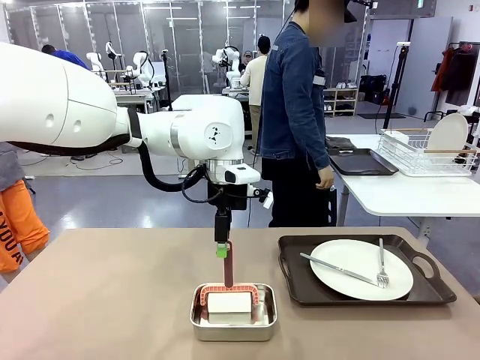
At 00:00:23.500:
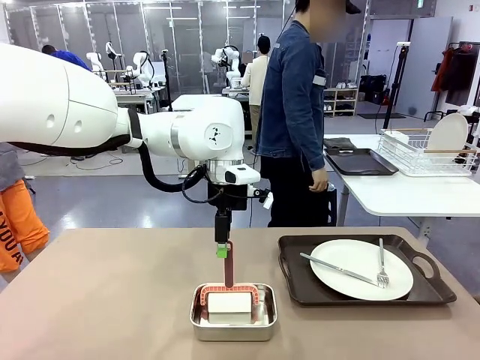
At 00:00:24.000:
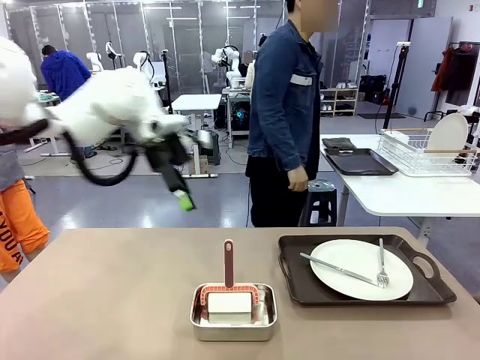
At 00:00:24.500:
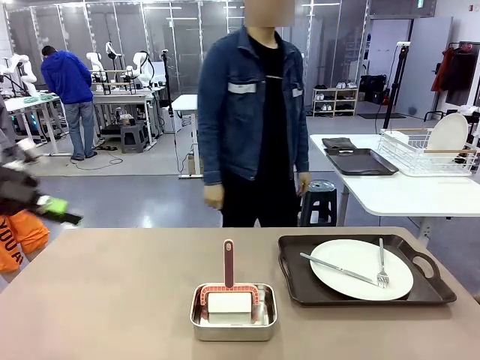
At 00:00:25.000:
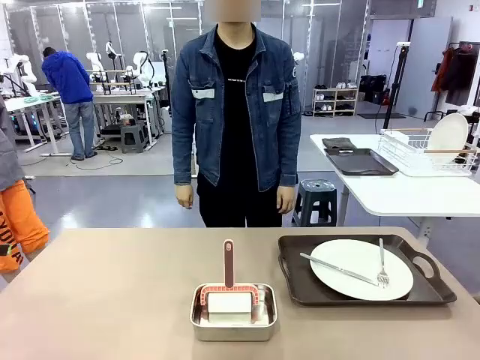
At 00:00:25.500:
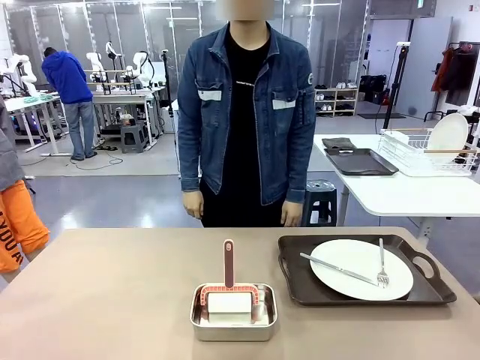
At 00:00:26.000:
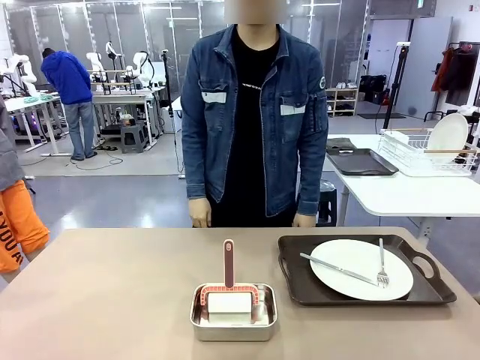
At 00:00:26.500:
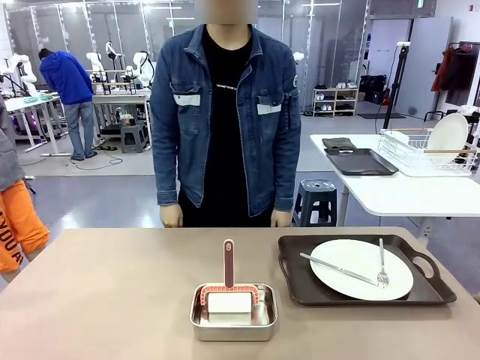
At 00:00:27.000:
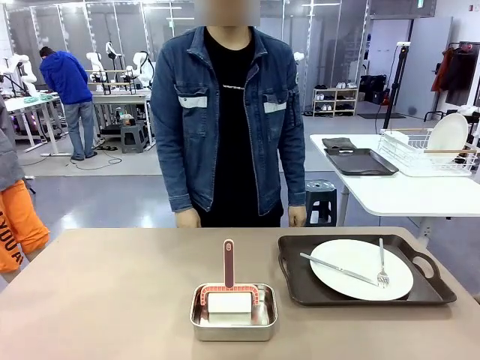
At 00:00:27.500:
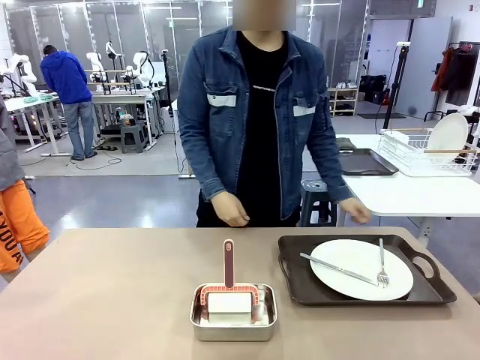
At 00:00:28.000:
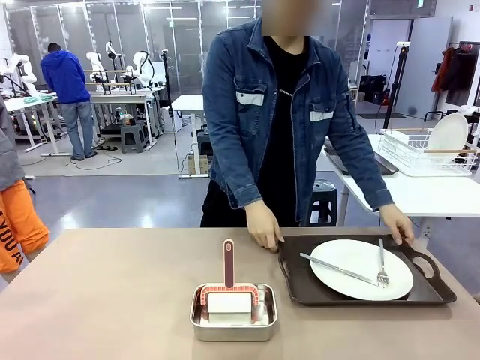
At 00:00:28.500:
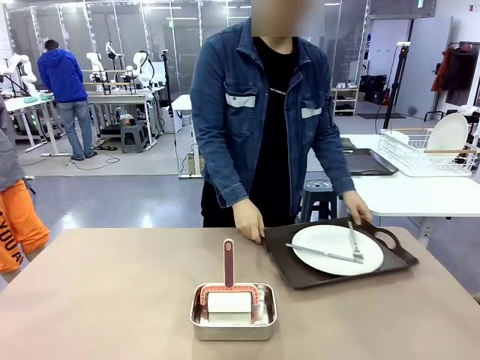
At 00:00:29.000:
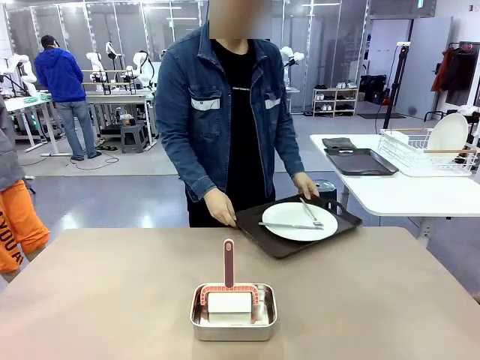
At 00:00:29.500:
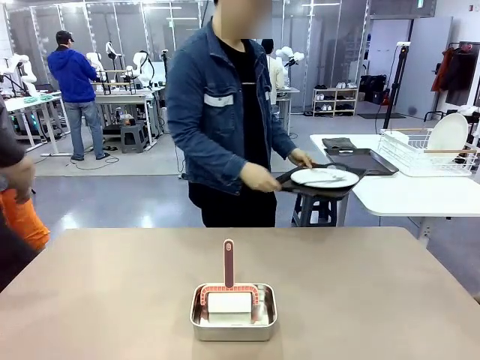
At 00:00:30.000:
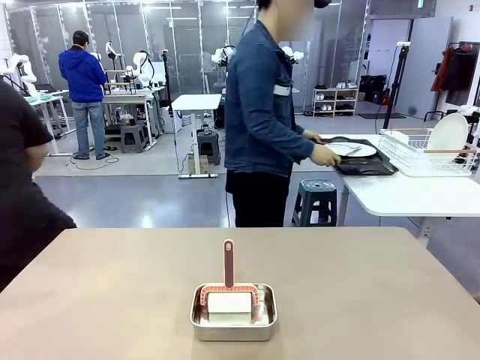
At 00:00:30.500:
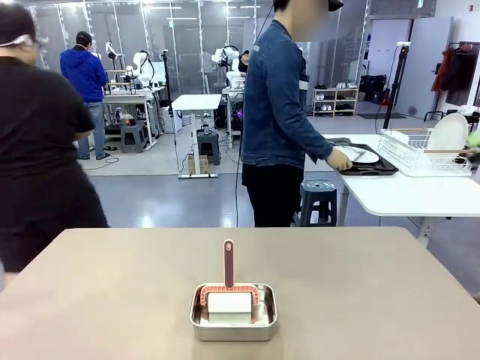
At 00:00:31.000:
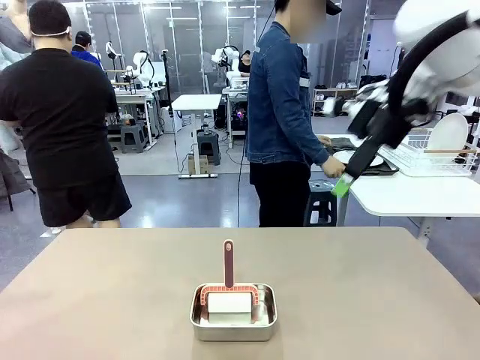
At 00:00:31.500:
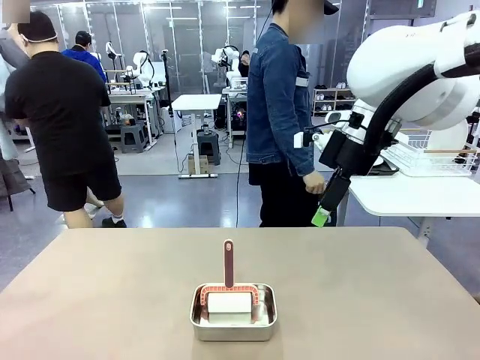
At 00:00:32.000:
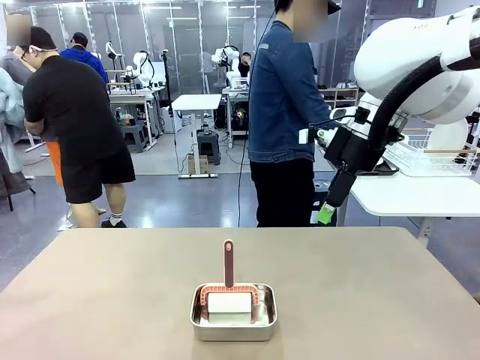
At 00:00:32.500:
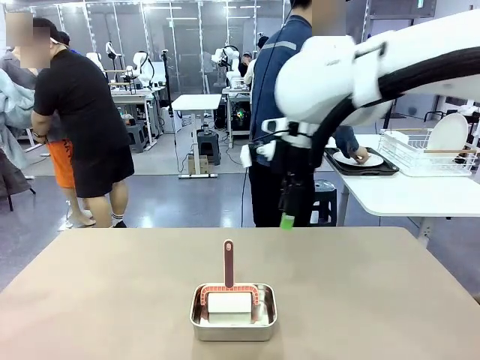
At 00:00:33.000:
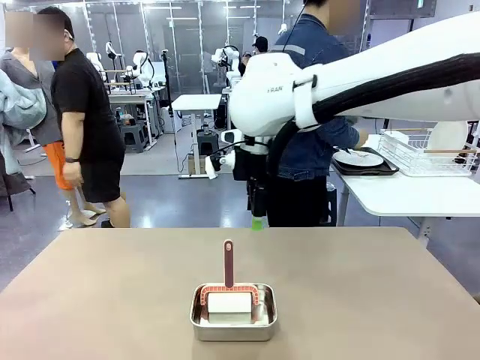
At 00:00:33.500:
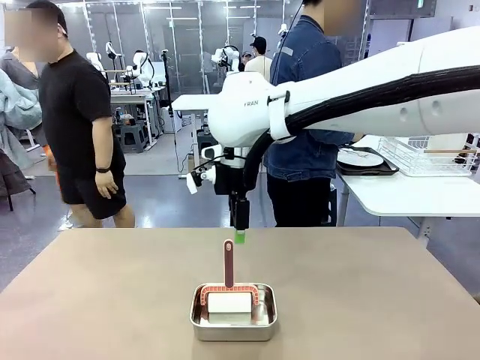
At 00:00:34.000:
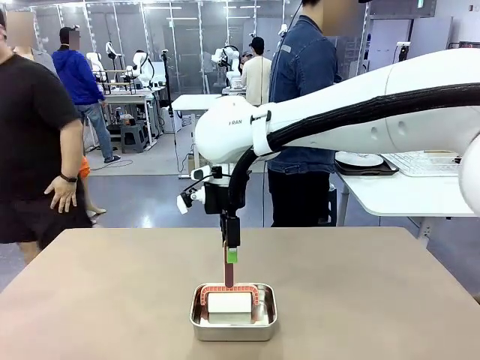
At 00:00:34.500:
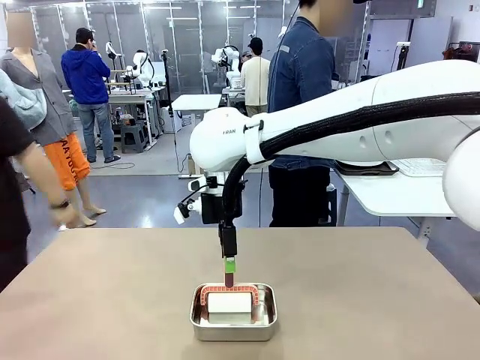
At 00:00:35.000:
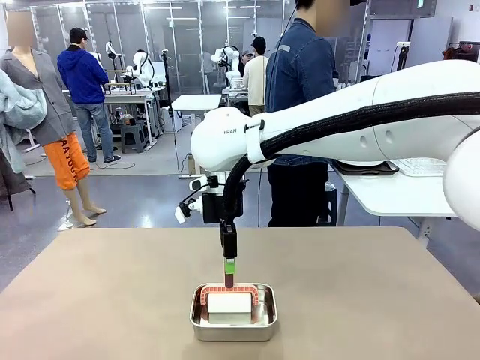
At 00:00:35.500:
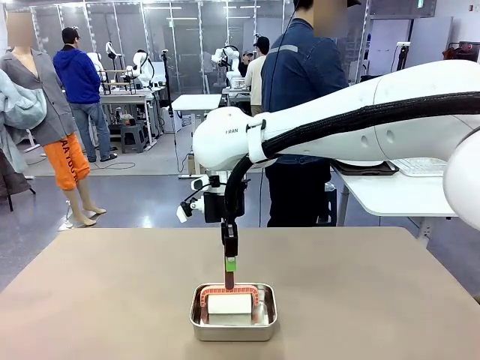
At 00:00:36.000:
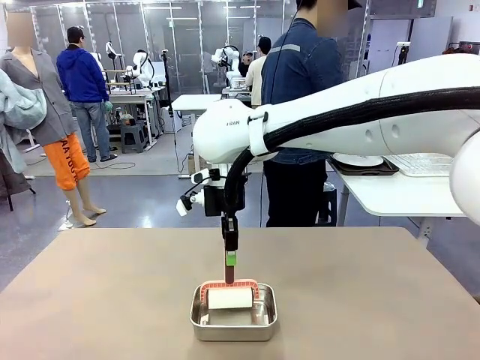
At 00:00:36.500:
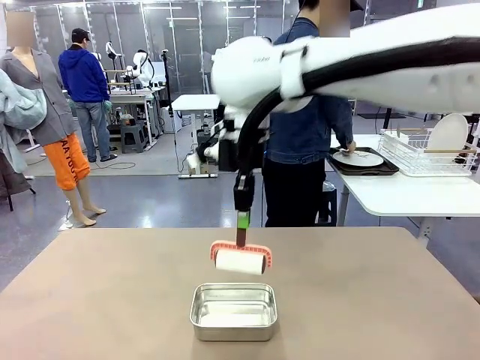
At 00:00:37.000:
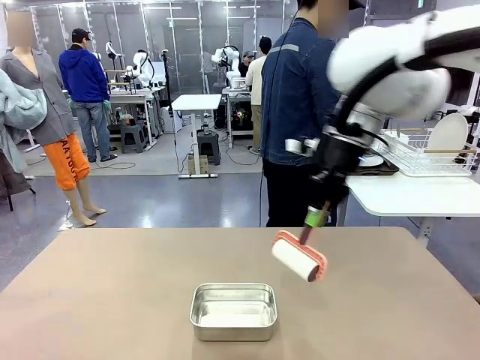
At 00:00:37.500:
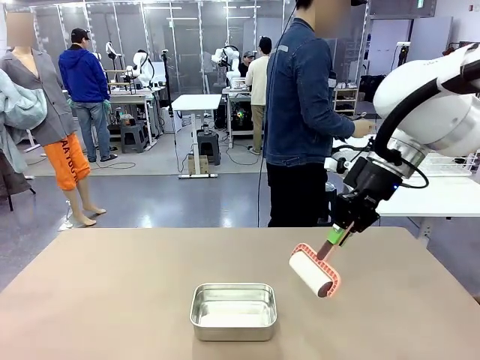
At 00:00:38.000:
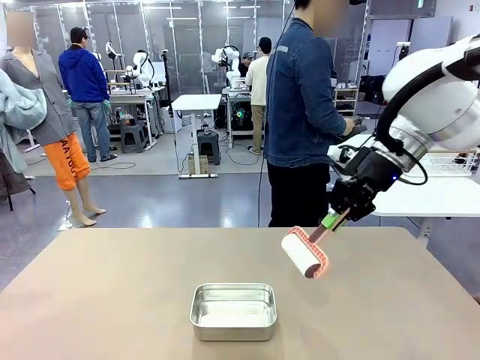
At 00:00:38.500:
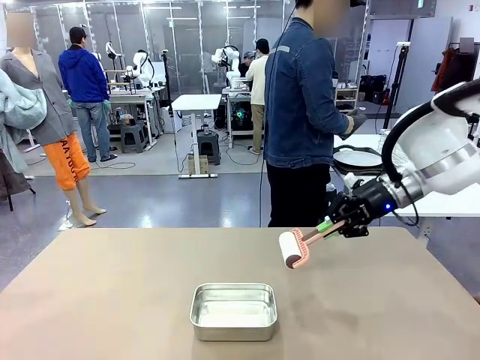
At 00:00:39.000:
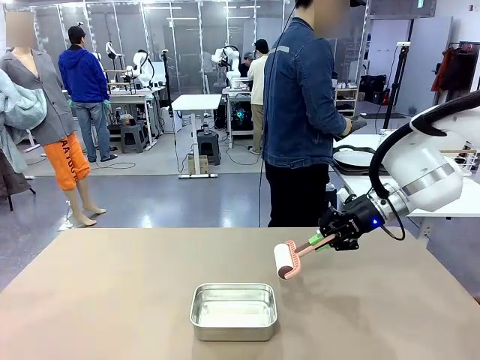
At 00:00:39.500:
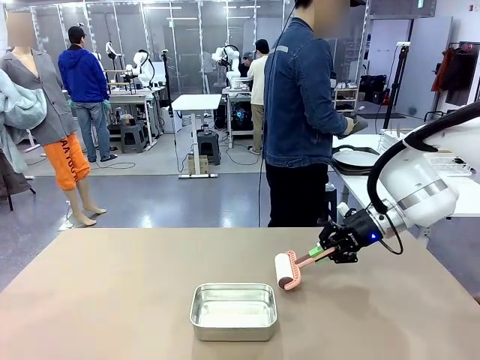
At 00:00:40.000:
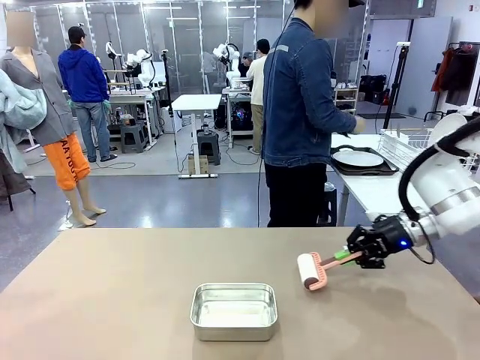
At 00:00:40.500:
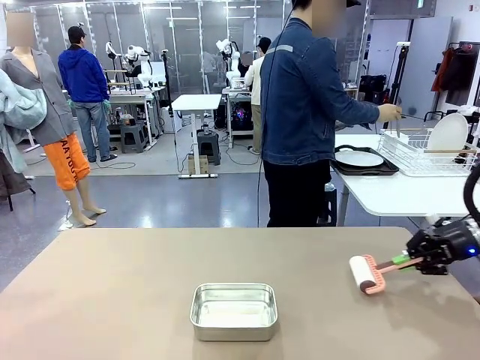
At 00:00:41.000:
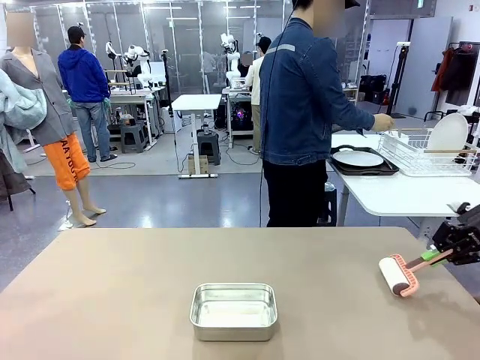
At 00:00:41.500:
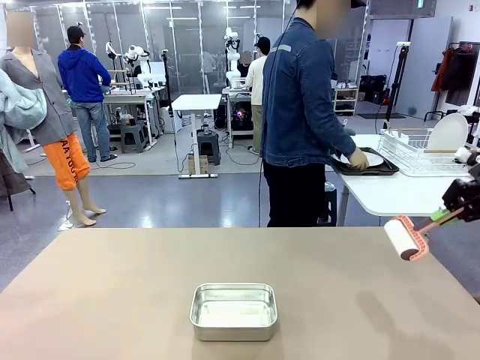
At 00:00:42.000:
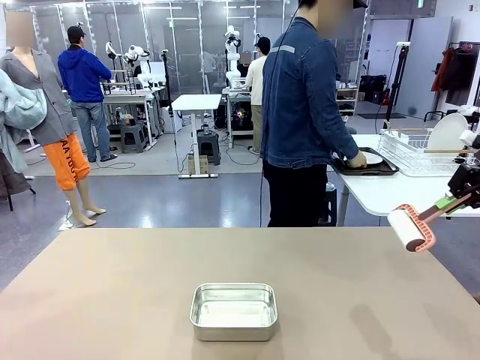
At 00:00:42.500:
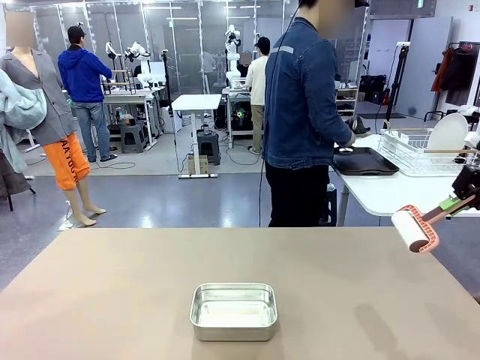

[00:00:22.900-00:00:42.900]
Robot: When the right (or left) Handle tray is removed, use the right hand (or left hand) to clean the right (or left) side of the table with the Lint Roller.
Person: Pick up the left (or right) Handle tray and place it on the Handle tray. Use the Towel with hook to wipe the Plastic Matte Plate , Fork , and Knife and place into the Dish drying rack.

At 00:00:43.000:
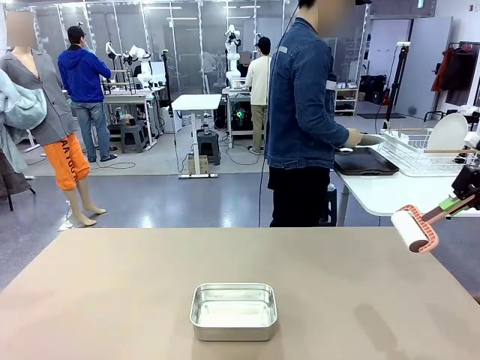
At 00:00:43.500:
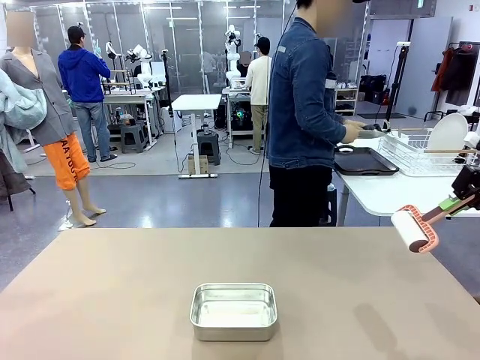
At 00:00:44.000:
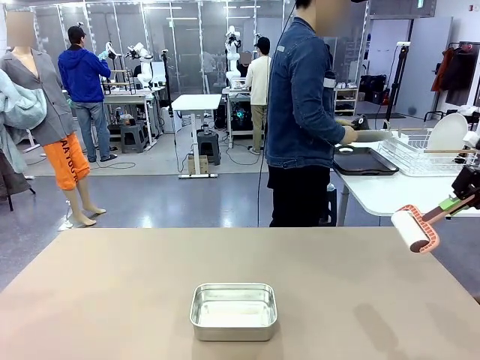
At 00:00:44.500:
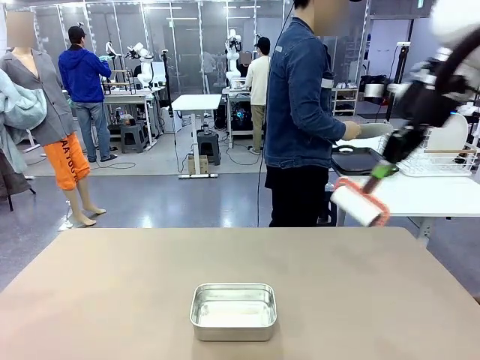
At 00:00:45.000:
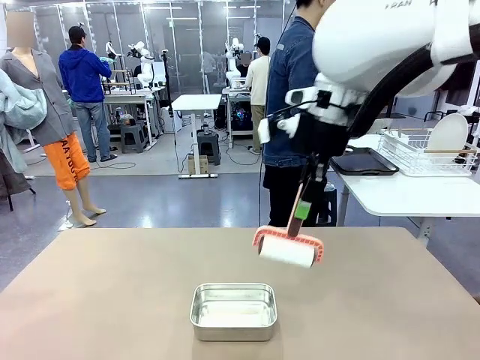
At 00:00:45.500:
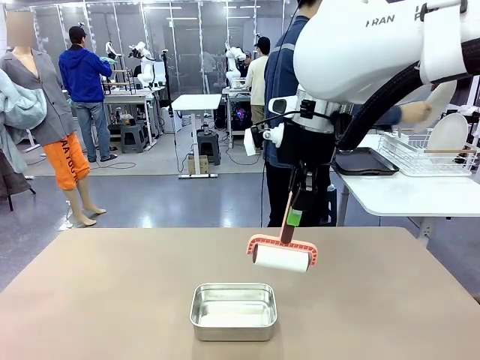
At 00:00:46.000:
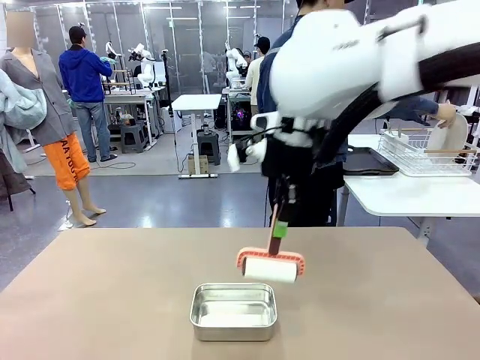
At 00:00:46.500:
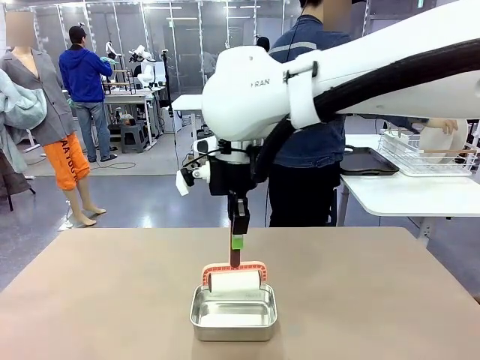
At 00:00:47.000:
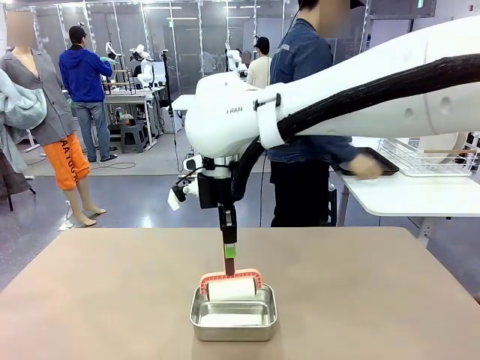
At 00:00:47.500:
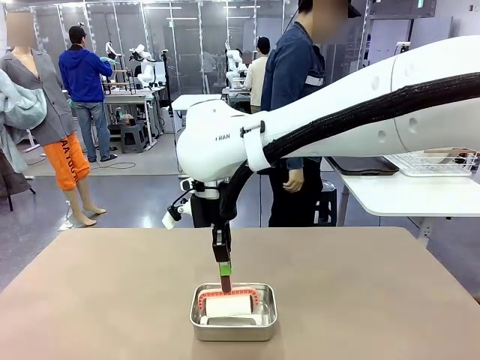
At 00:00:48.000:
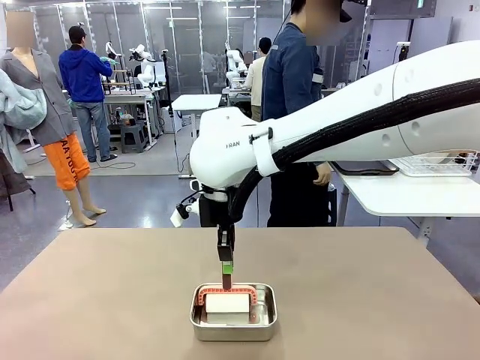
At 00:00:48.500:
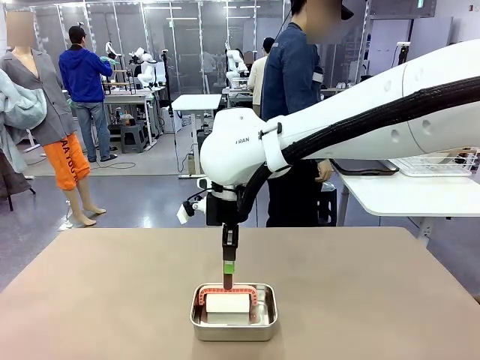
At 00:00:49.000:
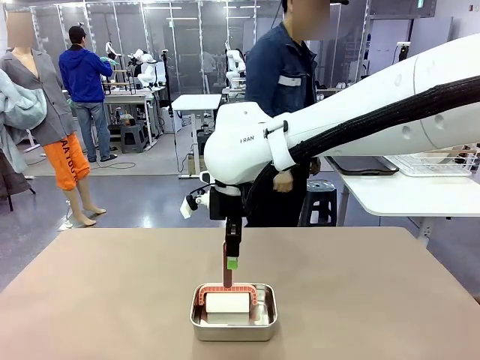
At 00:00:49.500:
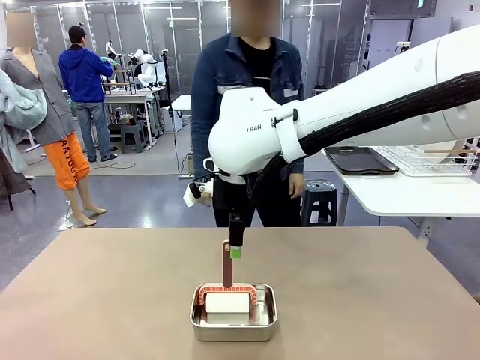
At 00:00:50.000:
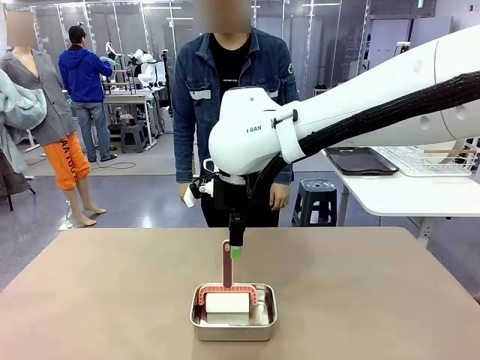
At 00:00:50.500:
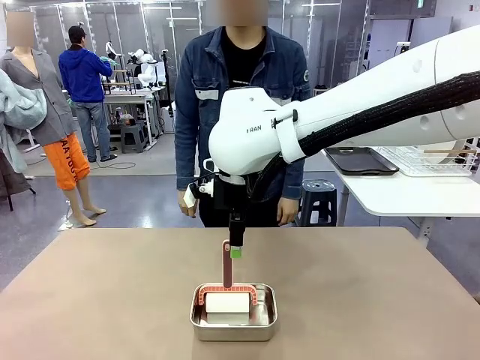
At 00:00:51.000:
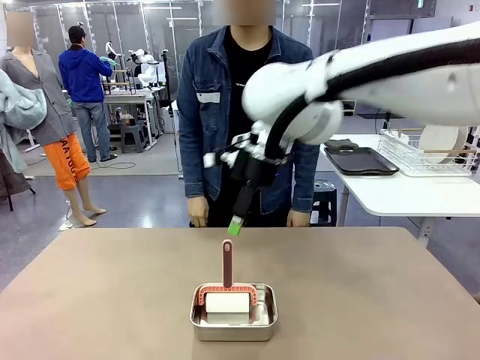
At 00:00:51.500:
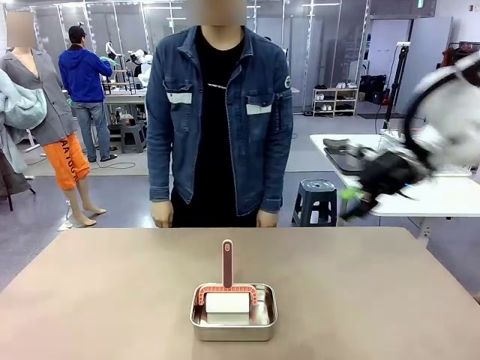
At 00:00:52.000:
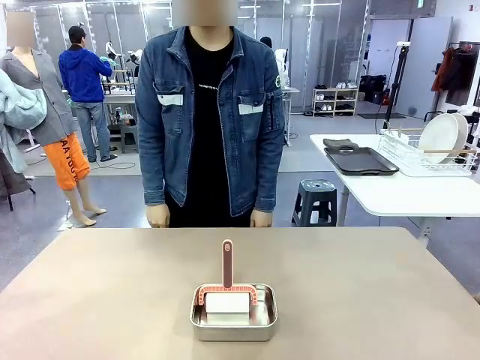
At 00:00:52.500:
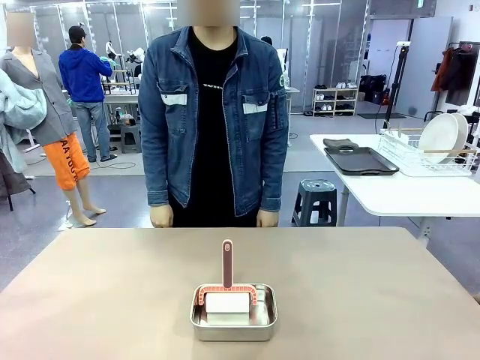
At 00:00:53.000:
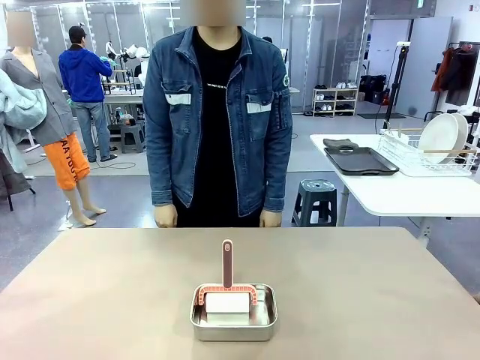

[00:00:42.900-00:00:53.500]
Robot: Place the Lint Roller back on top of the Airtight Container.
